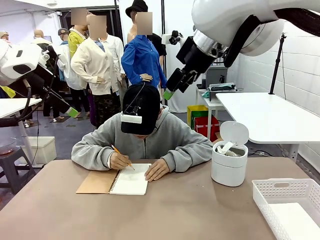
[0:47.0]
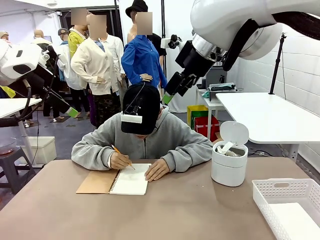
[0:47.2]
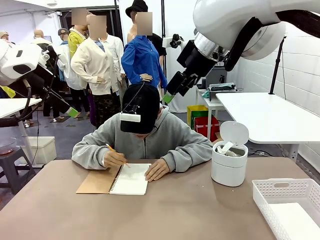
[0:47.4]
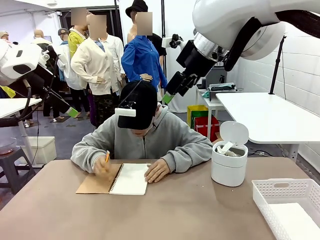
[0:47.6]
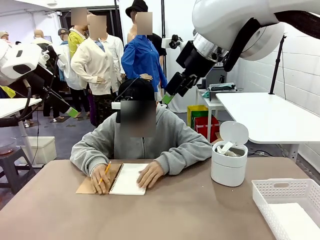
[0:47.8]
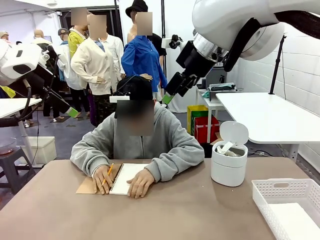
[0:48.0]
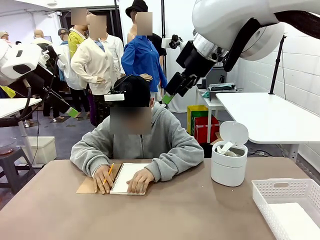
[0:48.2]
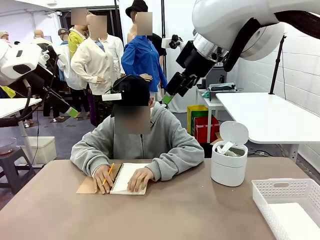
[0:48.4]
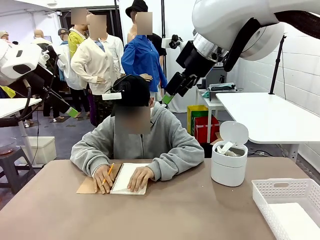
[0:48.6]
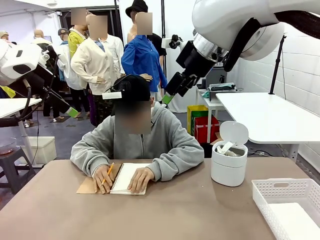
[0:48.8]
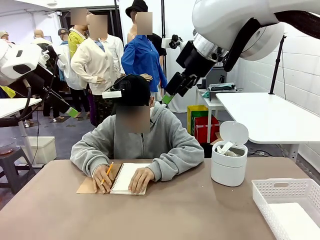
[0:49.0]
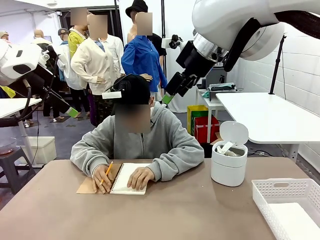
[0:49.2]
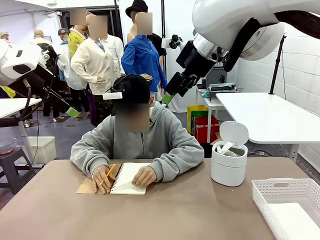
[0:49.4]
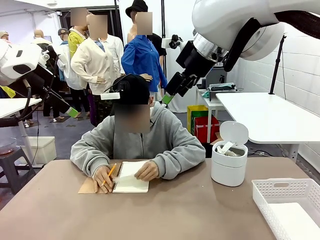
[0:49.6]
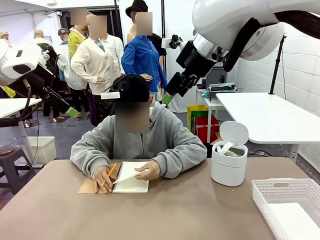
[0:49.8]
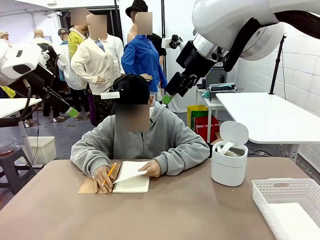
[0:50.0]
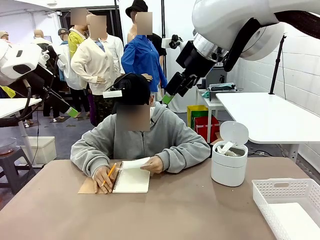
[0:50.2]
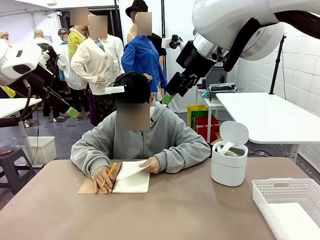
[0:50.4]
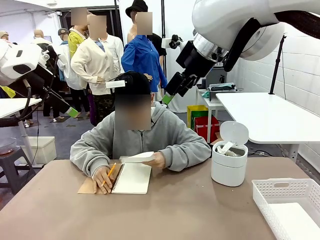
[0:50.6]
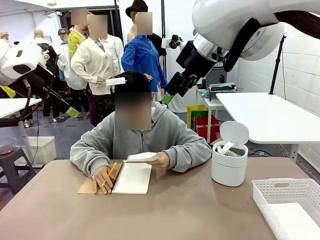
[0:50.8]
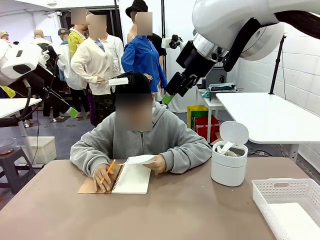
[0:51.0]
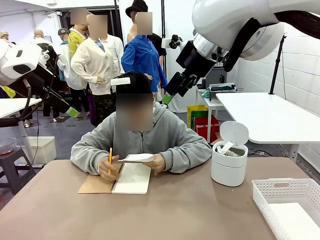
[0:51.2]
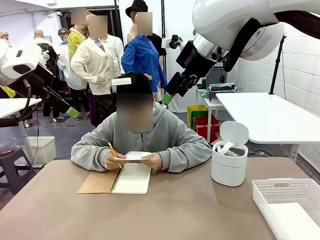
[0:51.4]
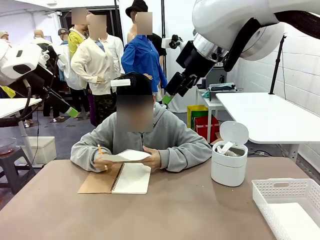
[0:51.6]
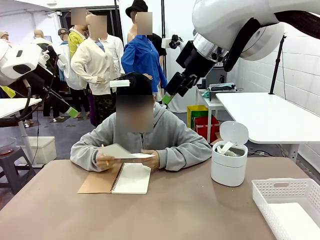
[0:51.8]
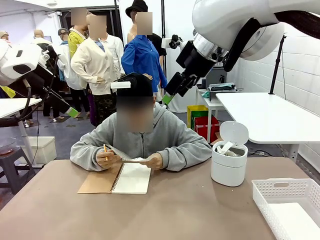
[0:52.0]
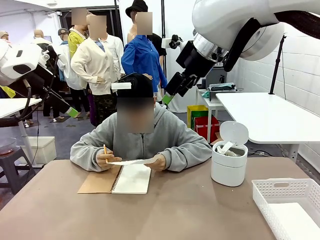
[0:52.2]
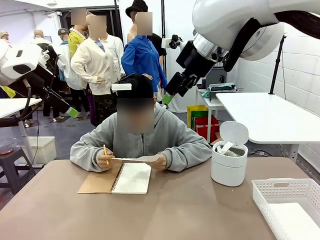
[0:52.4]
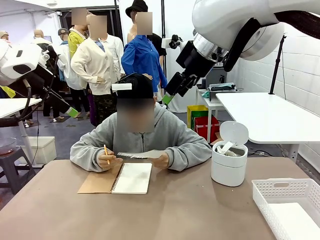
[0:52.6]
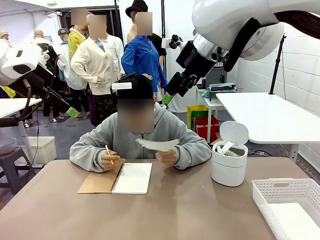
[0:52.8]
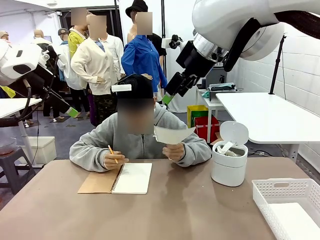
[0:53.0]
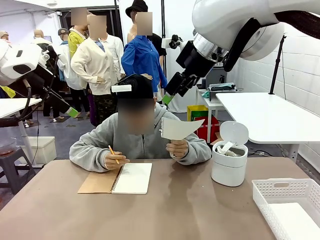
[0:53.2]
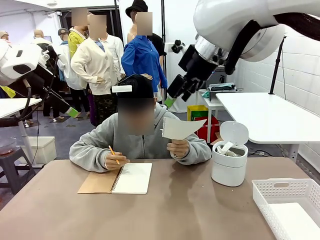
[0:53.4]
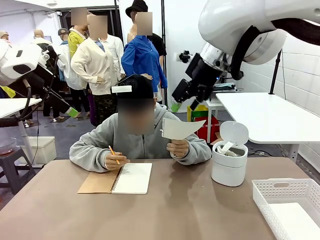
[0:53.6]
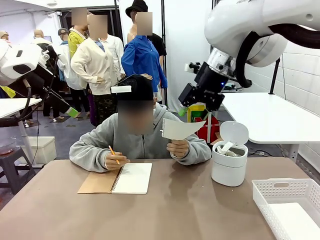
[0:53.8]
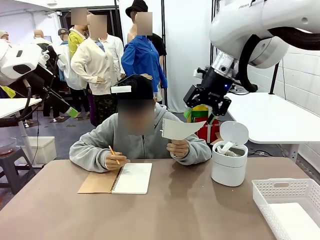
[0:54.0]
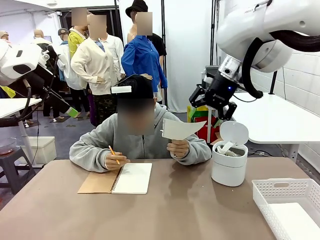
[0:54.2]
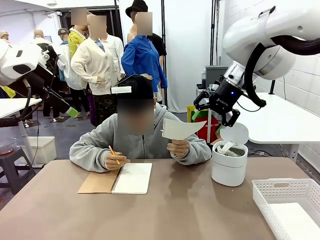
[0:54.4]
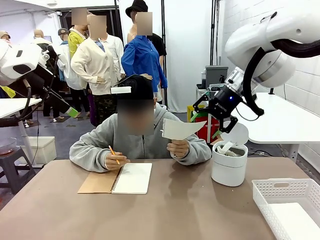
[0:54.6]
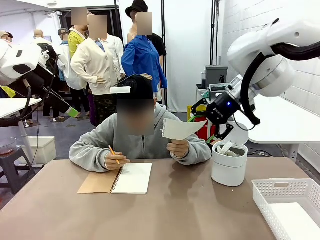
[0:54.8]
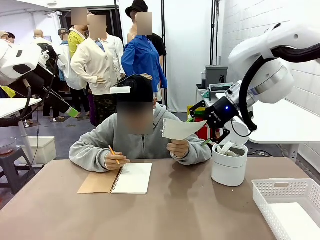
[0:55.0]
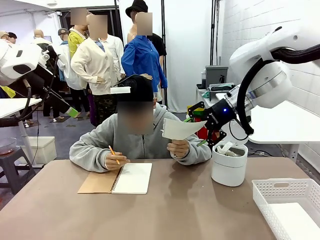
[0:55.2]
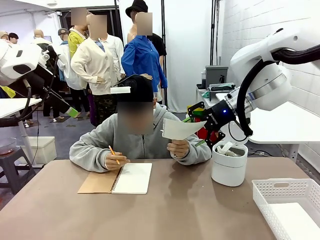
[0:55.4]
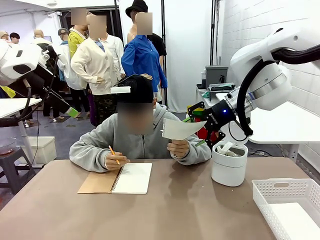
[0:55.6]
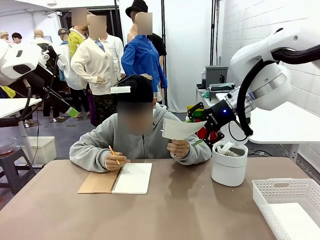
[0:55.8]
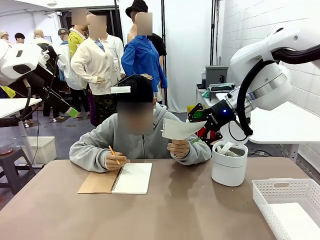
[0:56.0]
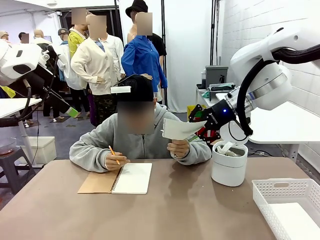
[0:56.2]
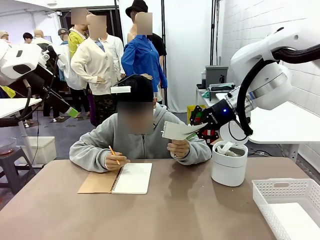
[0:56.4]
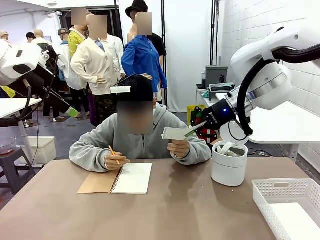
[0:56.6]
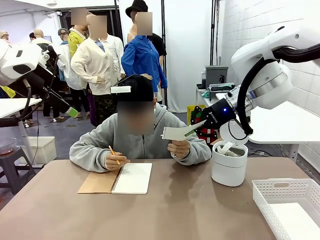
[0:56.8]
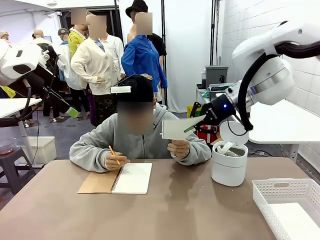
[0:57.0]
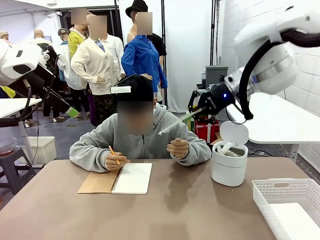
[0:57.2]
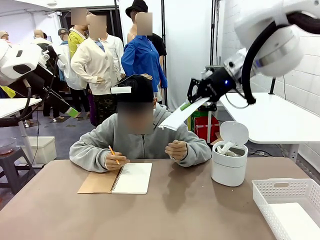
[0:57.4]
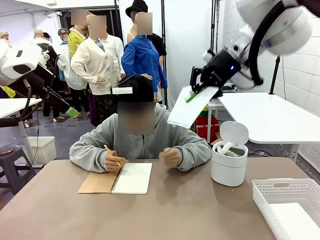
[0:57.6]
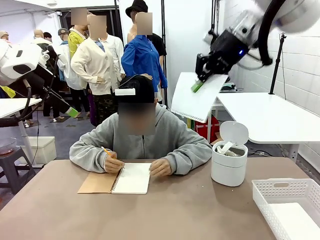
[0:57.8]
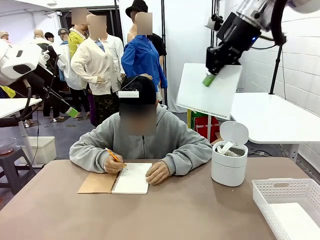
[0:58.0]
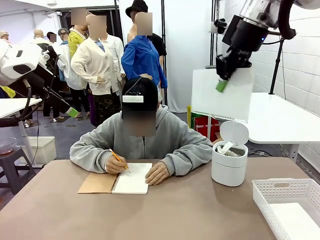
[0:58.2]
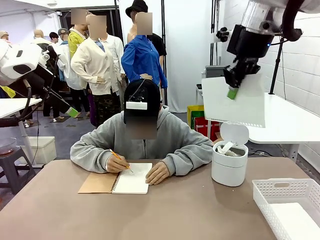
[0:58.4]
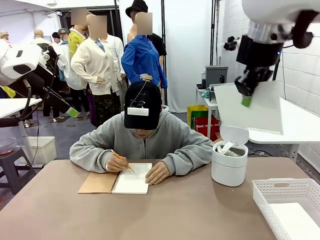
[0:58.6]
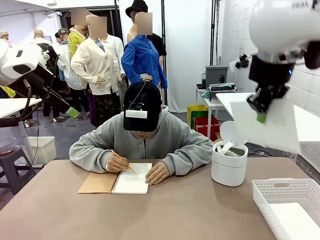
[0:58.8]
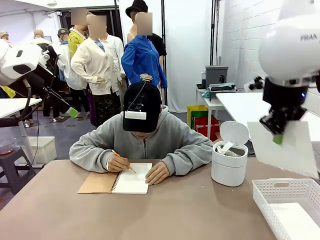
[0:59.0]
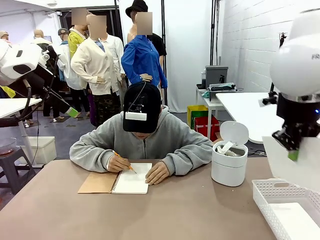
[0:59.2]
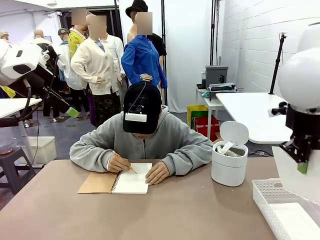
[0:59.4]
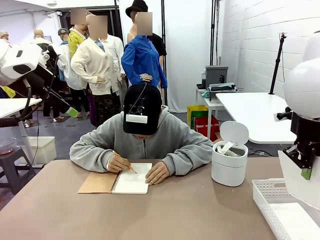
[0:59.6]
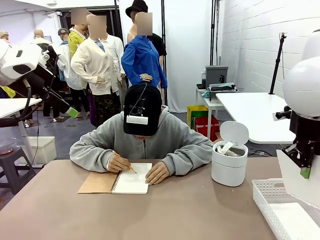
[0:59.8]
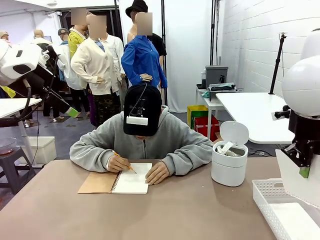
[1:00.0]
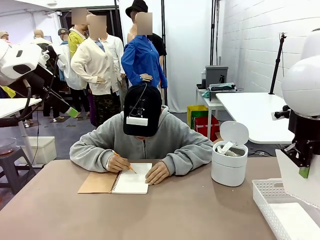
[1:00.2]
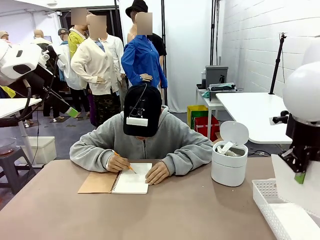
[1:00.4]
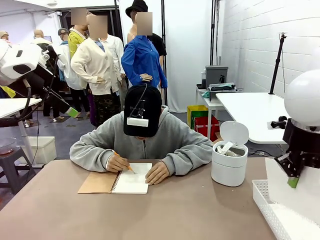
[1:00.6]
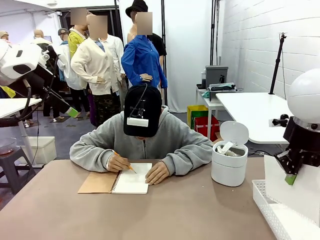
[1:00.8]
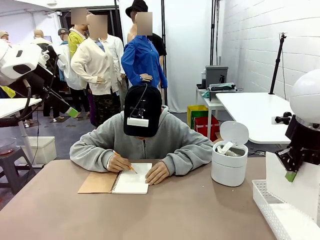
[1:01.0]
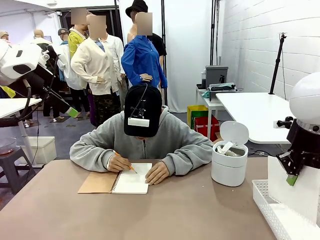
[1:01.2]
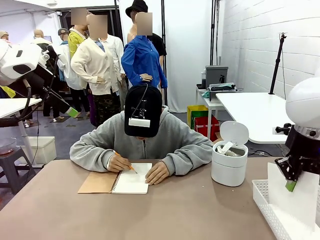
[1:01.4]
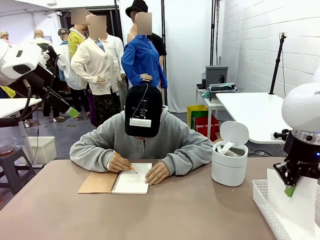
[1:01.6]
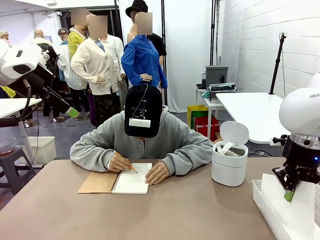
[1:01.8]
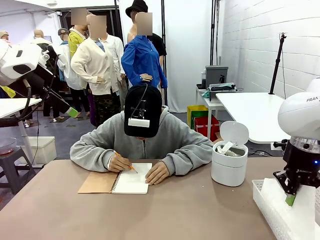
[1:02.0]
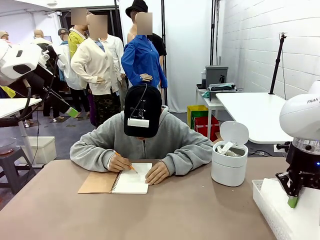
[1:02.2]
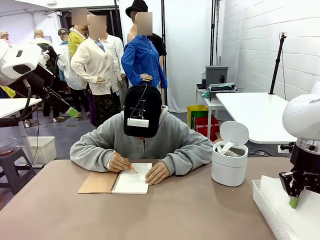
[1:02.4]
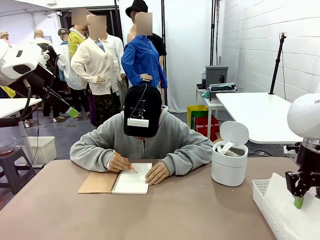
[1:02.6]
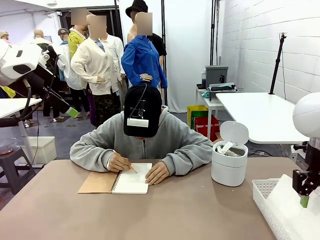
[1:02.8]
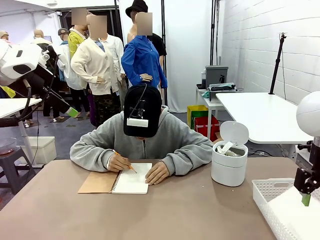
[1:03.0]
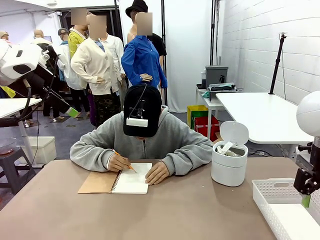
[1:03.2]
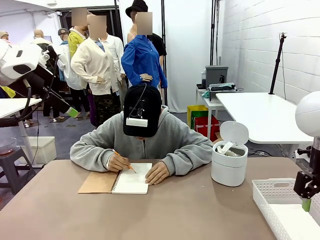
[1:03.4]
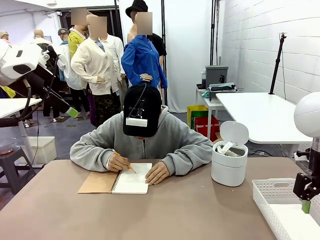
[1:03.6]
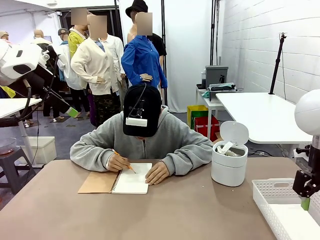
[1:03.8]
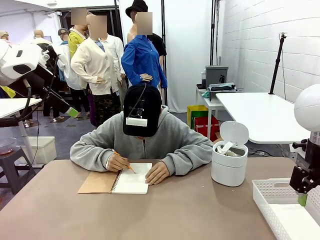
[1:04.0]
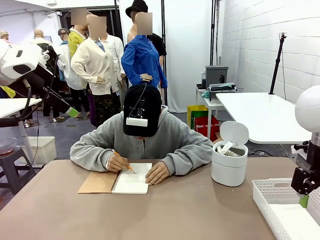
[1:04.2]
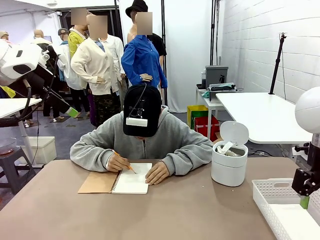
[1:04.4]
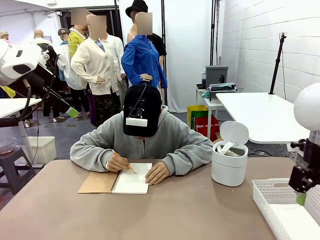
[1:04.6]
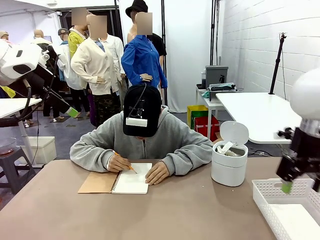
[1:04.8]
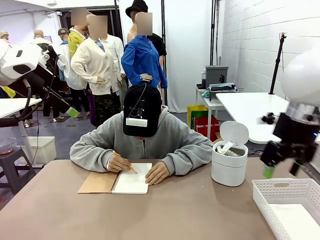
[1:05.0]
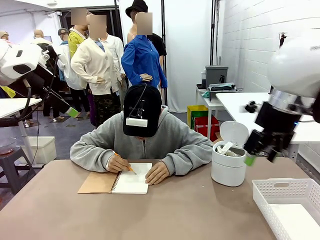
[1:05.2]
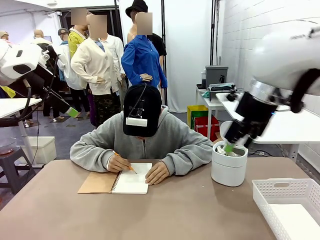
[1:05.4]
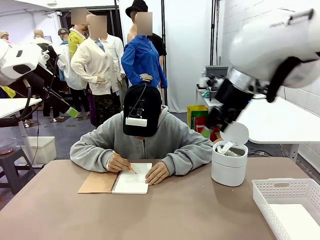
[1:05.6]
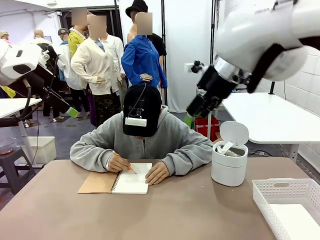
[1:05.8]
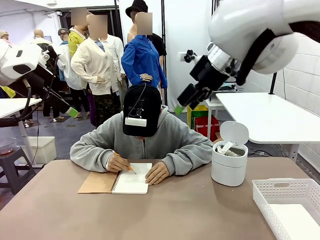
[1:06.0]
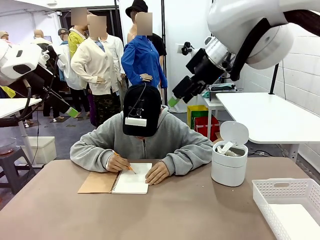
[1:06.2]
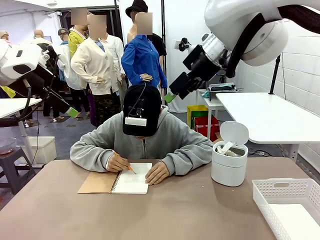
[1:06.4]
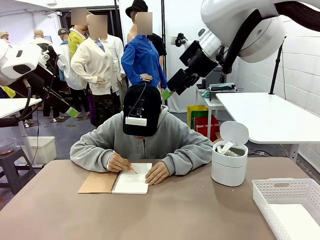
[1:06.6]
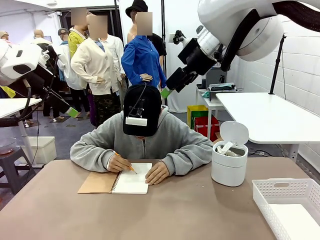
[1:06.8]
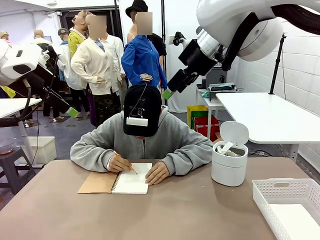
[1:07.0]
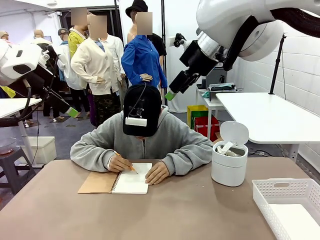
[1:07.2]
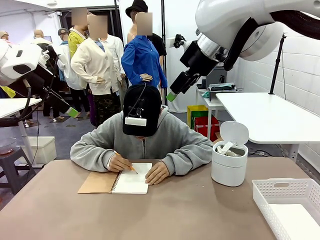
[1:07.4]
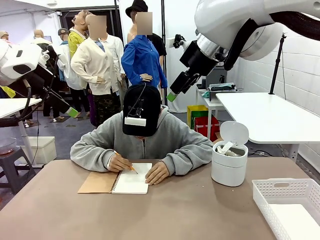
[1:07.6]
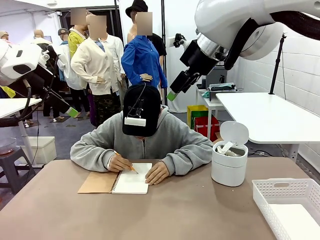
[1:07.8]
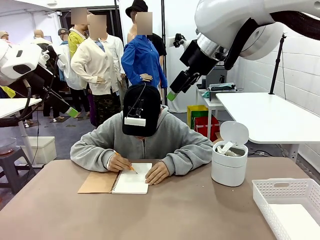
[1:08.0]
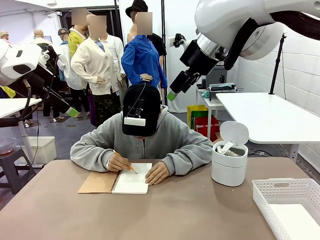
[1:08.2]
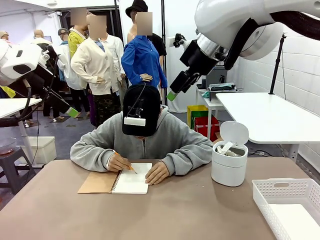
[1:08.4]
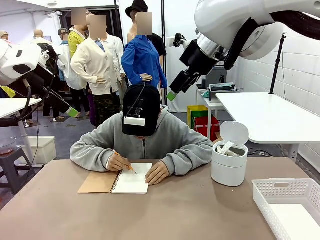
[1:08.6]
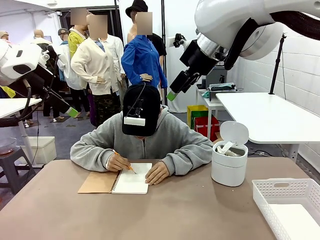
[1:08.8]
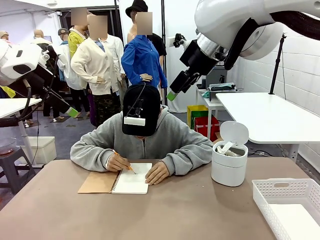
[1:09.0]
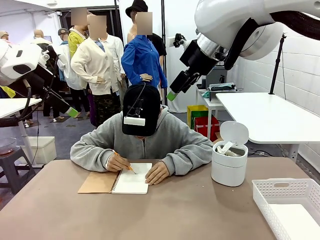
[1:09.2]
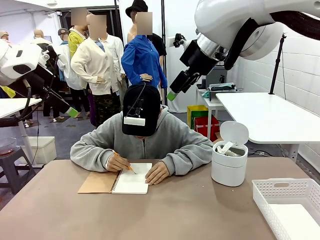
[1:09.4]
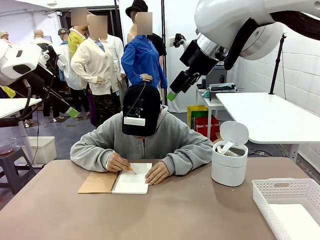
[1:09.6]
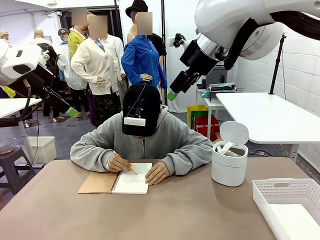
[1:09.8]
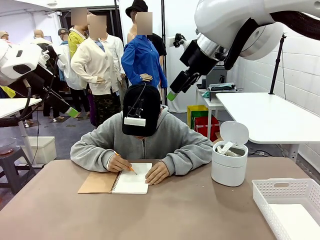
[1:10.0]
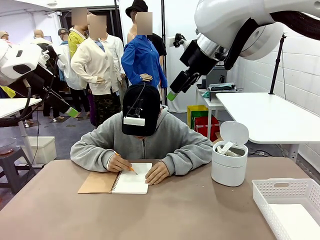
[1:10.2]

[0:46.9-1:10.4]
Task: Sort the paper based on its condition.
Robot: If a person hands you a paper, place it in the Organizing basket , and if it's crumpled, put it in the Trash can.
Person: Hand the torn page to the robot or crumple it and throw it to the center of the table.
